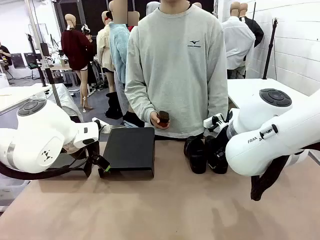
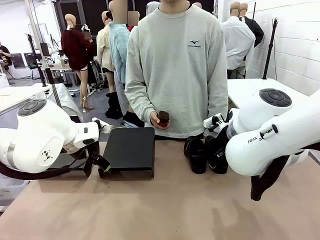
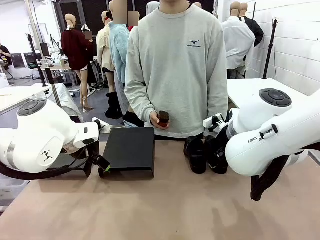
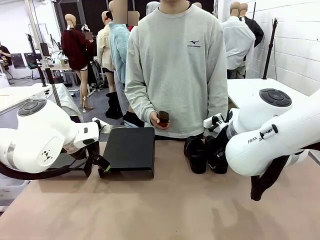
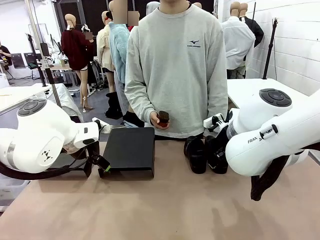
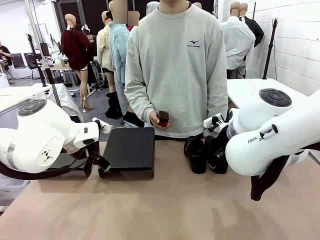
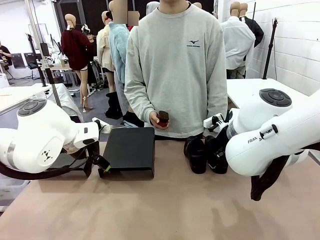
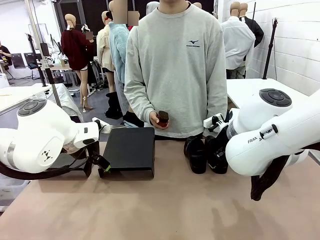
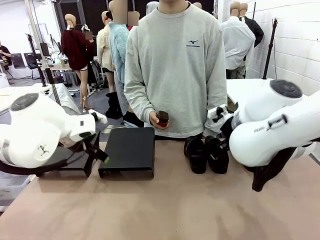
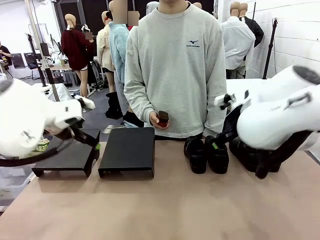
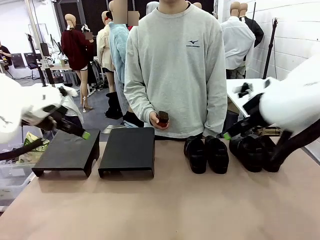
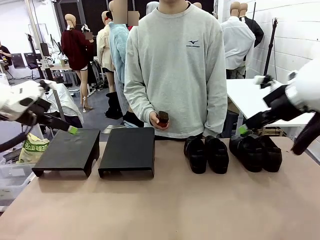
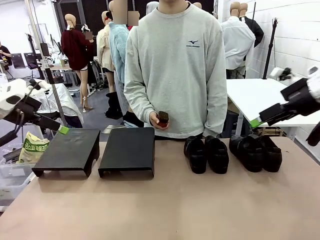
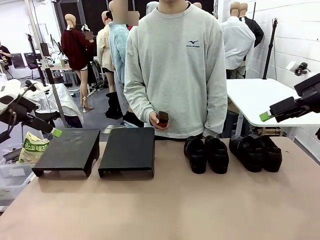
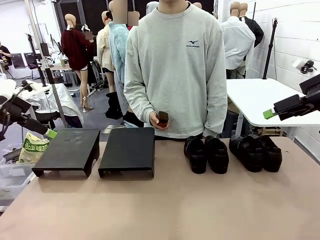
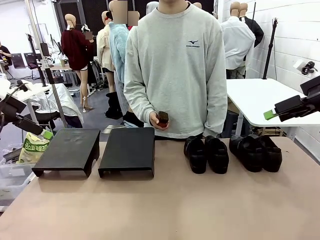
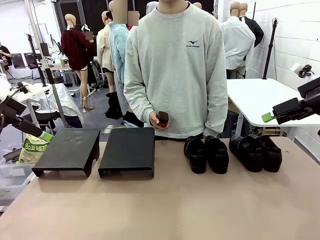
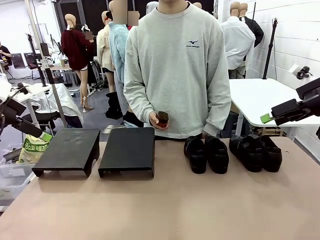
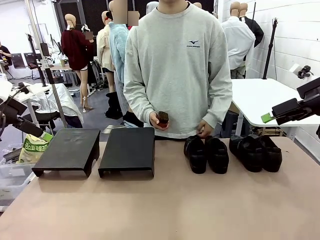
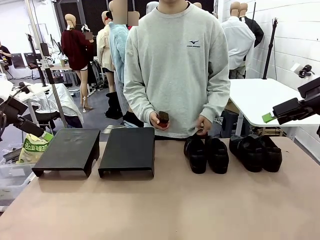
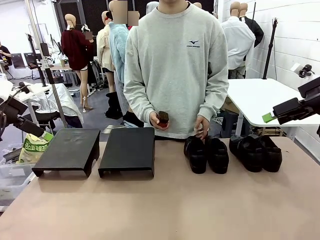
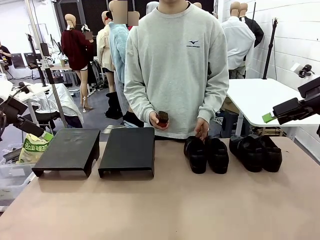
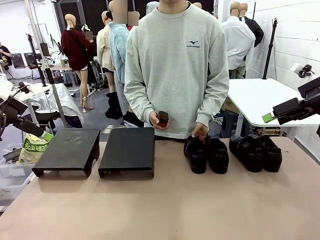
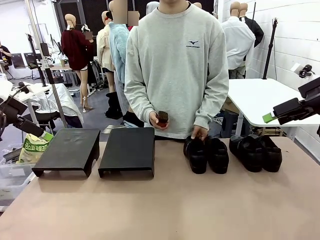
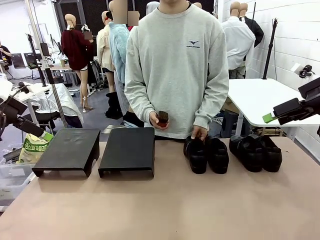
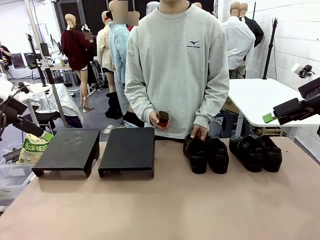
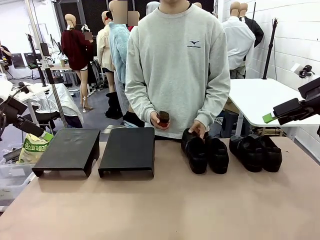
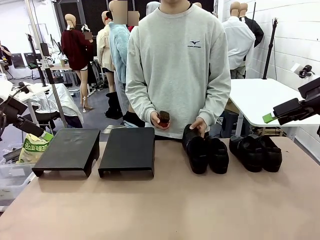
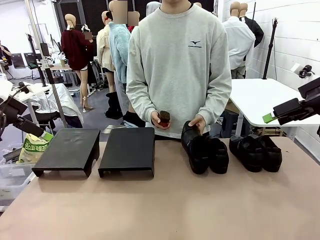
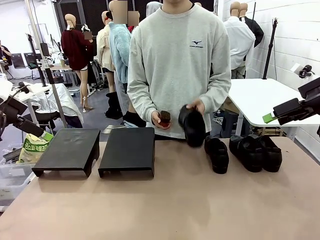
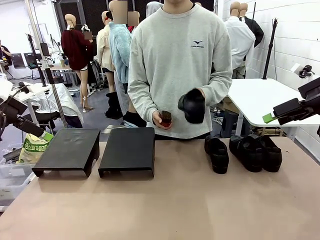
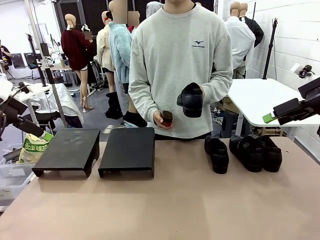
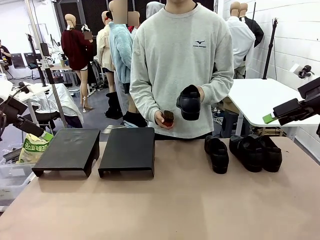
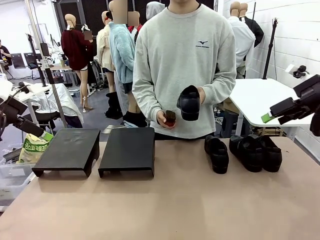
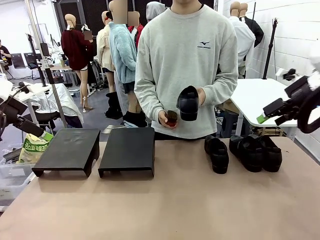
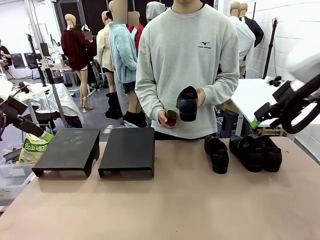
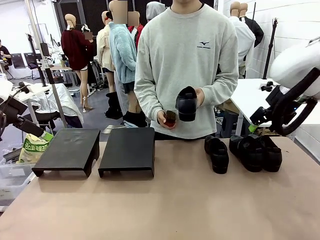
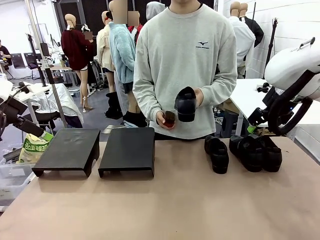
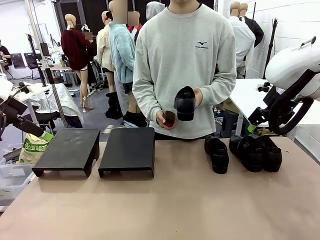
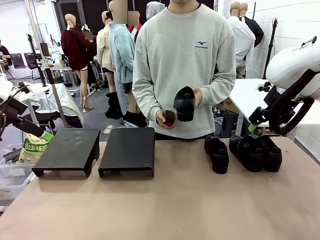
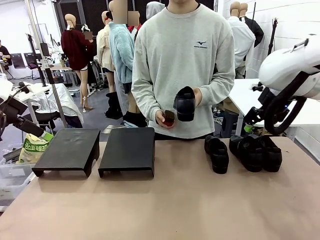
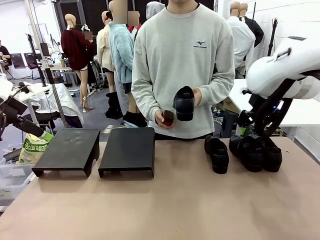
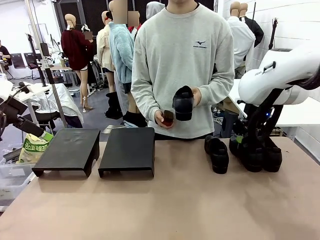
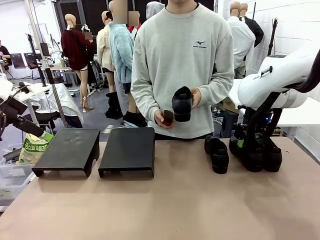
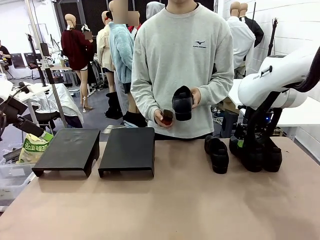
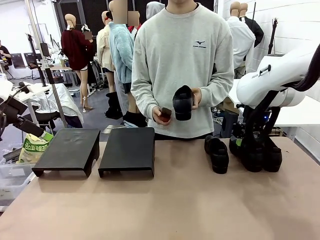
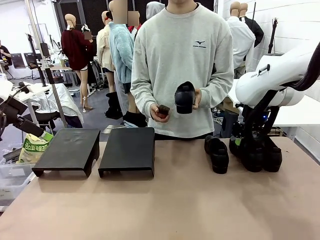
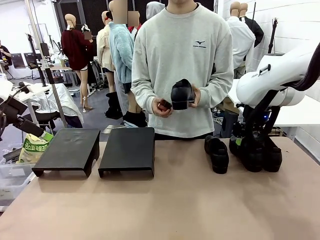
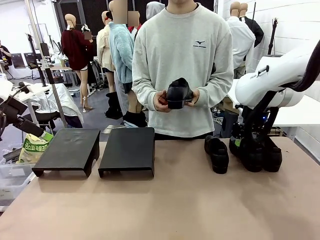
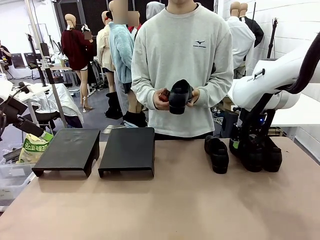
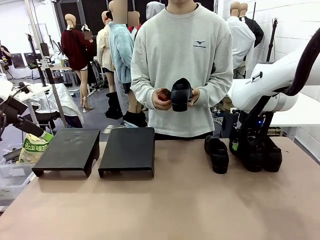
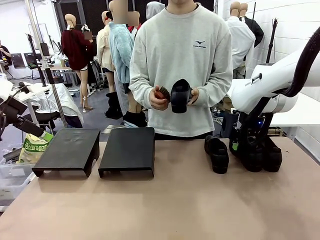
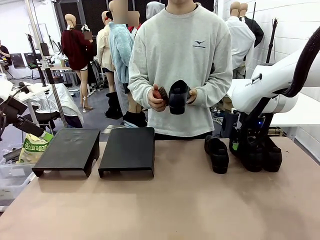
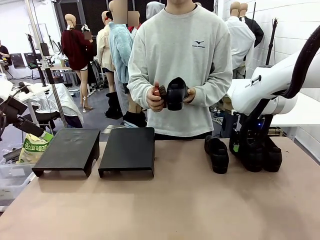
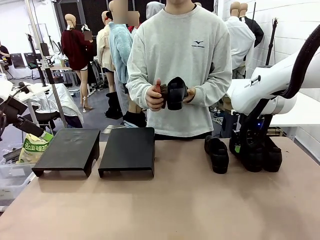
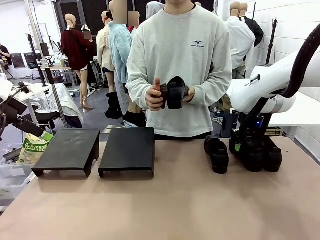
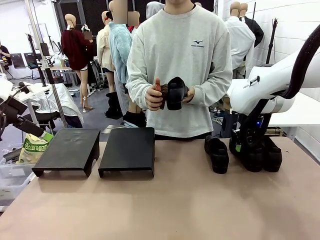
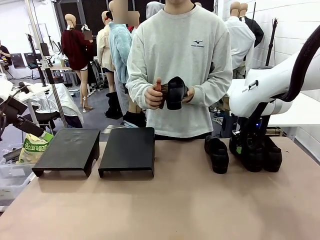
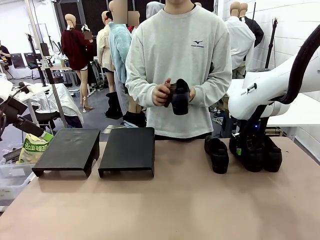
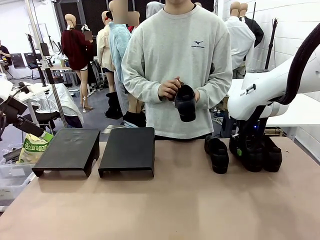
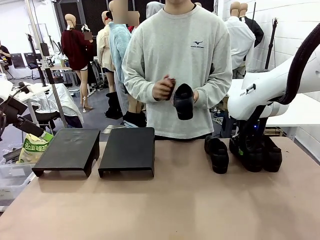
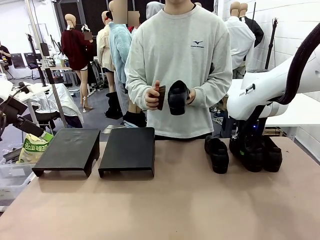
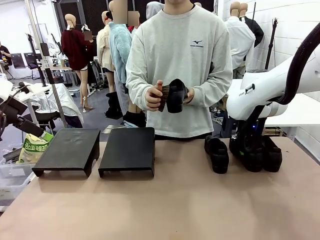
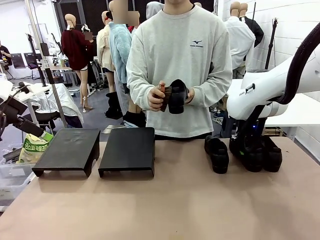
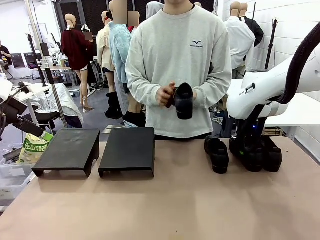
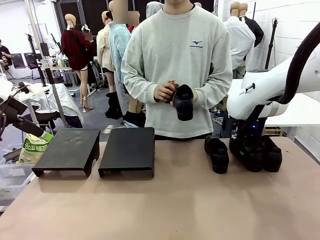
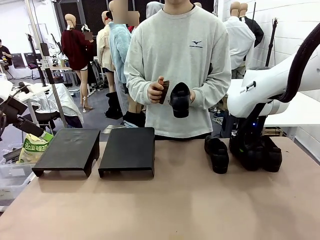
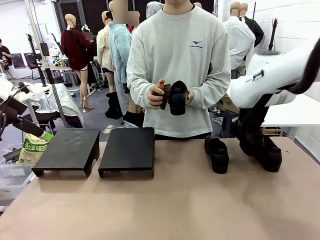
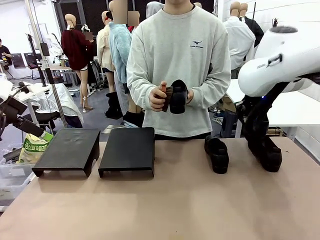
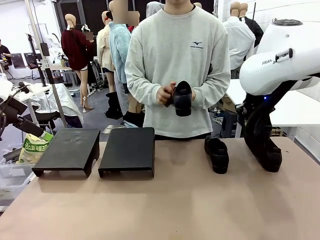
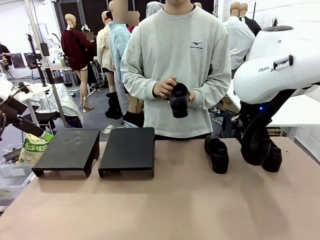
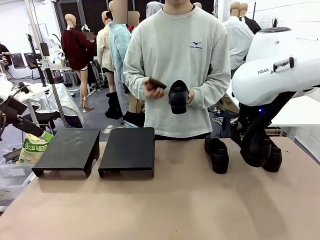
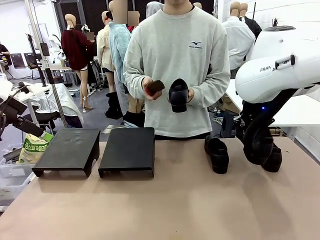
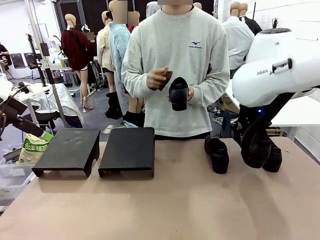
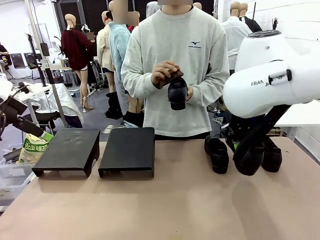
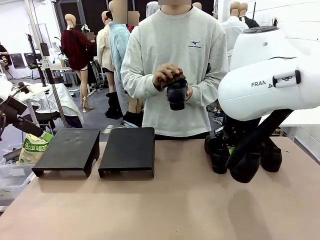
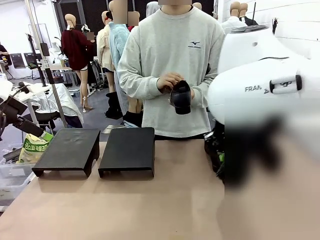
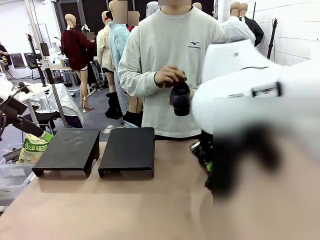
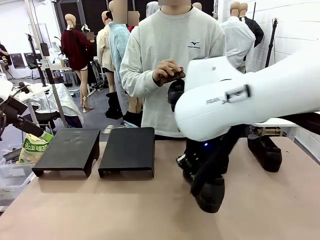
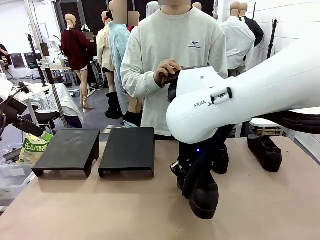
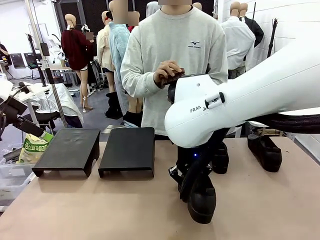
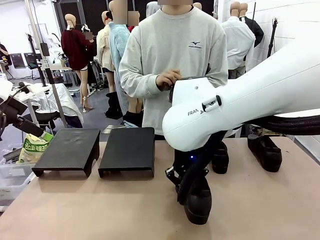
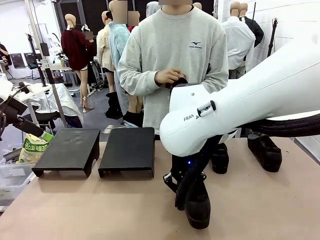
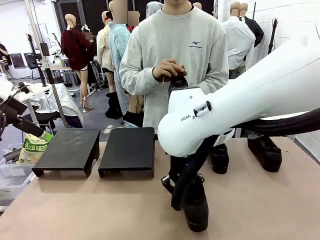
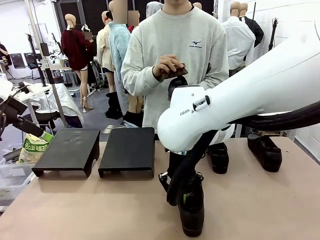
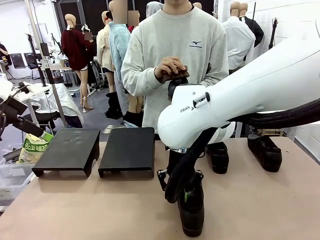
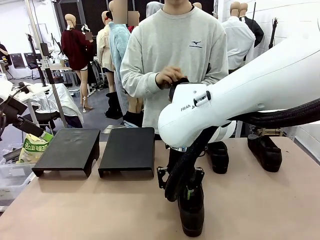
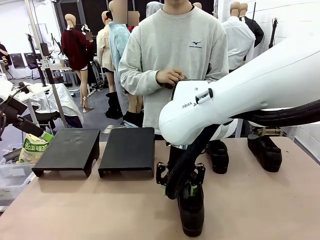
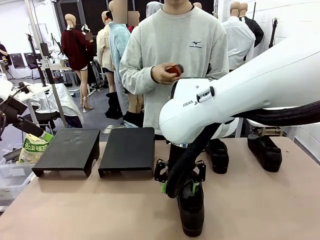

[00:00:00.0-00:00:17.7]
Task: Organize the shoes by placing them on the stand.
Robot: Pick up one Shoe and place it in the middle of the table.
Person: Pick one Shoe on Robot's table.
